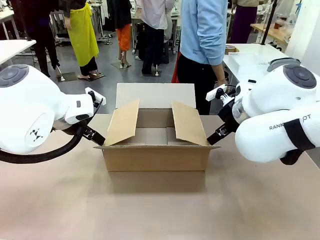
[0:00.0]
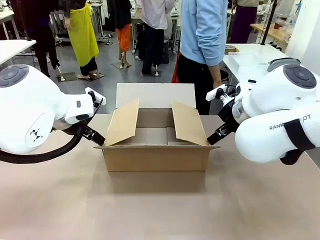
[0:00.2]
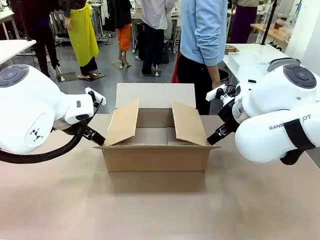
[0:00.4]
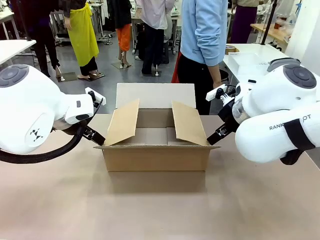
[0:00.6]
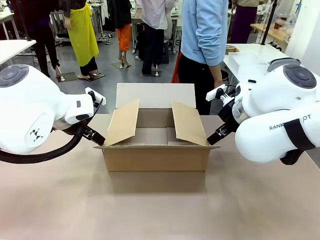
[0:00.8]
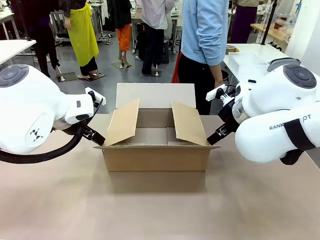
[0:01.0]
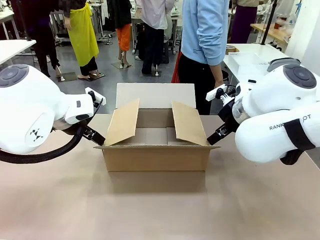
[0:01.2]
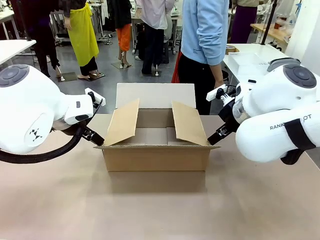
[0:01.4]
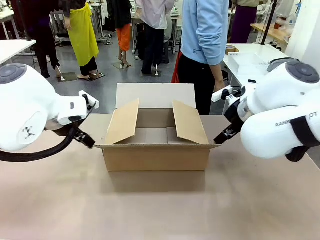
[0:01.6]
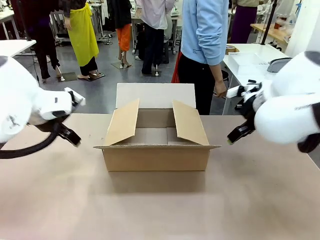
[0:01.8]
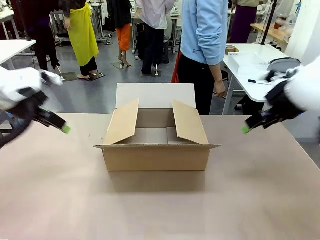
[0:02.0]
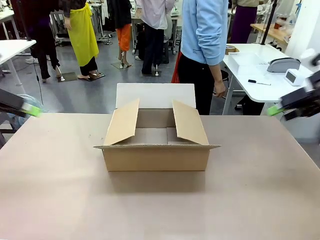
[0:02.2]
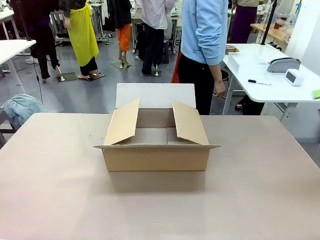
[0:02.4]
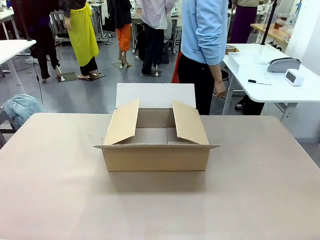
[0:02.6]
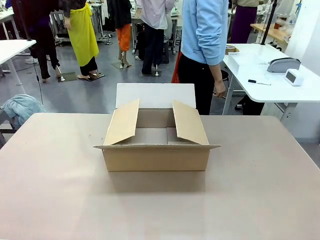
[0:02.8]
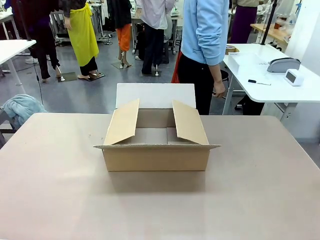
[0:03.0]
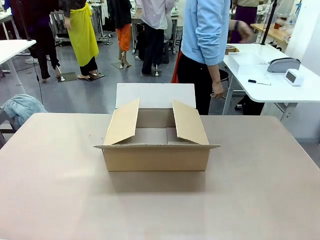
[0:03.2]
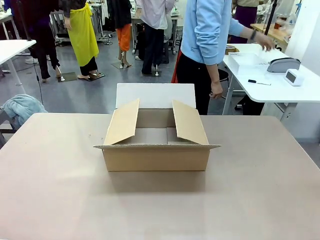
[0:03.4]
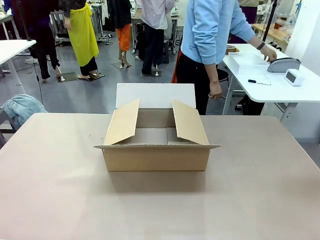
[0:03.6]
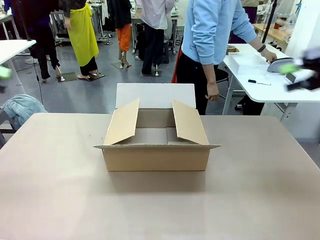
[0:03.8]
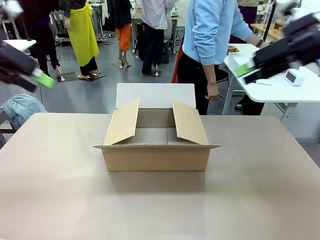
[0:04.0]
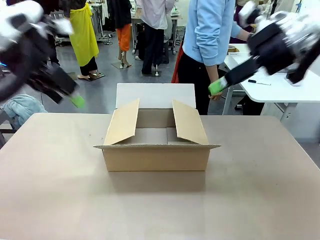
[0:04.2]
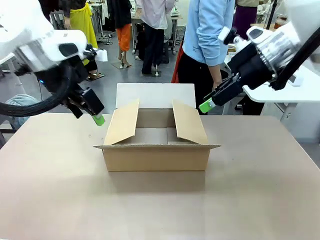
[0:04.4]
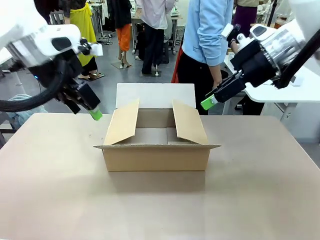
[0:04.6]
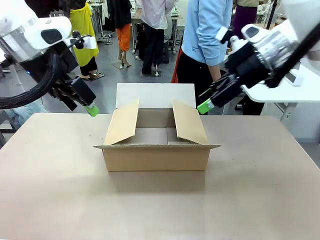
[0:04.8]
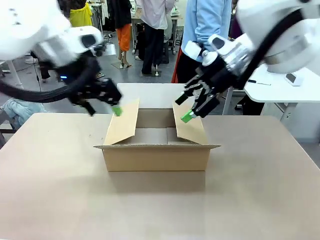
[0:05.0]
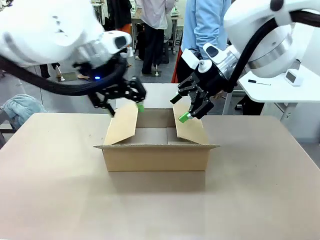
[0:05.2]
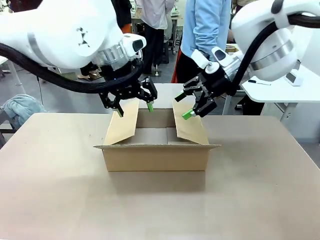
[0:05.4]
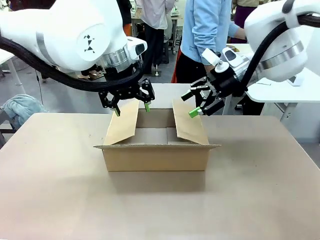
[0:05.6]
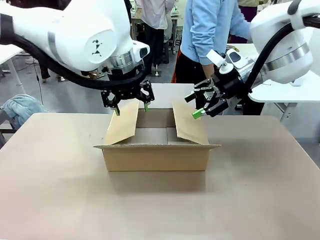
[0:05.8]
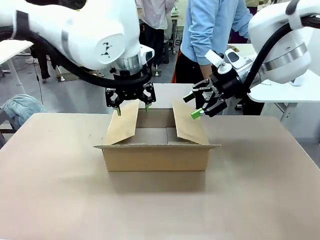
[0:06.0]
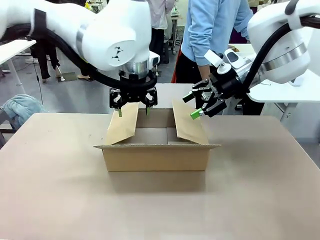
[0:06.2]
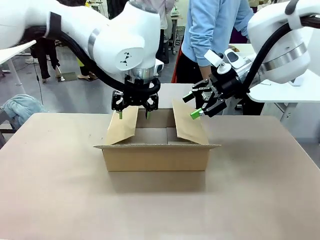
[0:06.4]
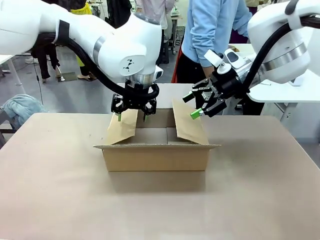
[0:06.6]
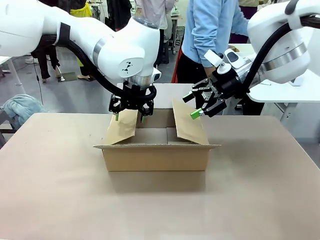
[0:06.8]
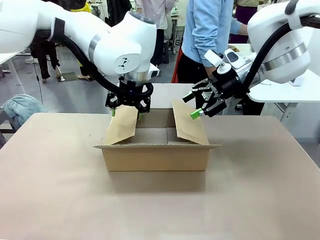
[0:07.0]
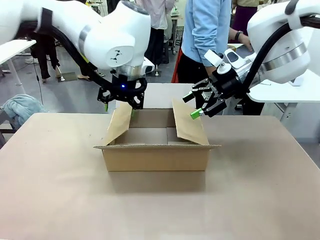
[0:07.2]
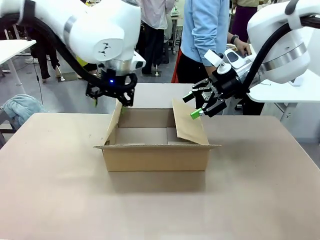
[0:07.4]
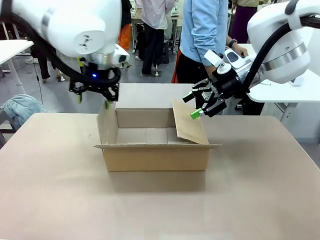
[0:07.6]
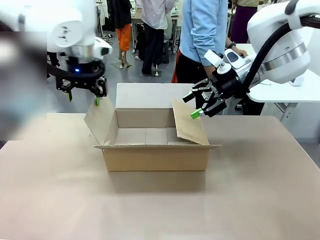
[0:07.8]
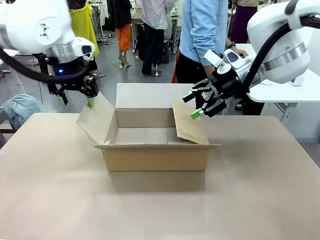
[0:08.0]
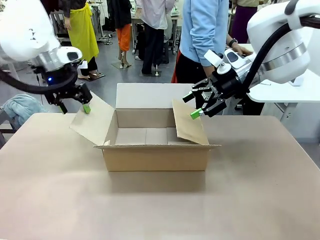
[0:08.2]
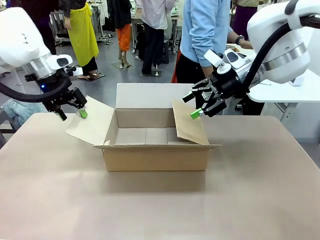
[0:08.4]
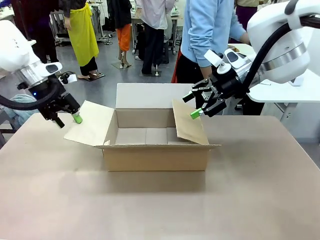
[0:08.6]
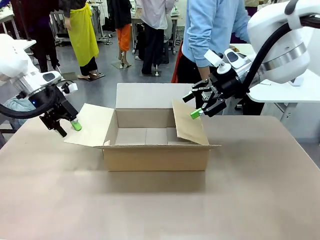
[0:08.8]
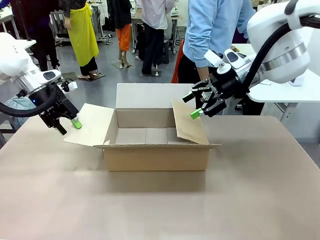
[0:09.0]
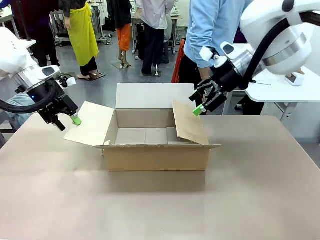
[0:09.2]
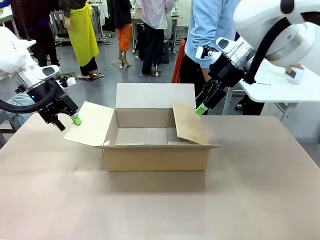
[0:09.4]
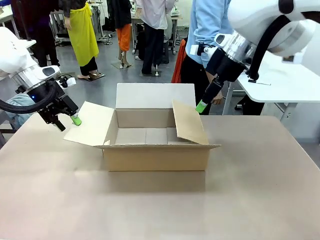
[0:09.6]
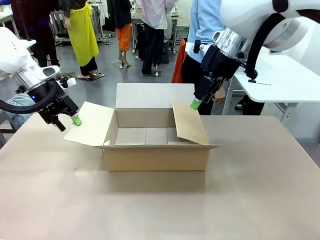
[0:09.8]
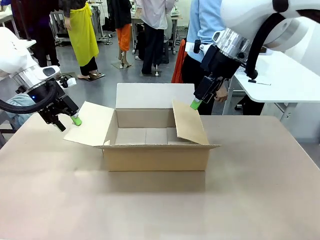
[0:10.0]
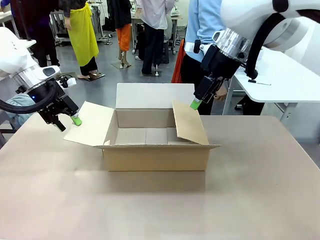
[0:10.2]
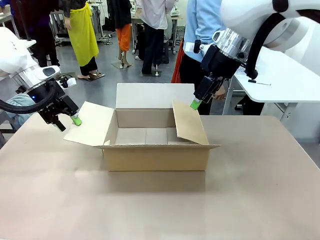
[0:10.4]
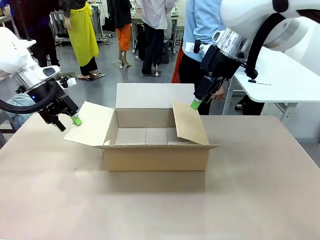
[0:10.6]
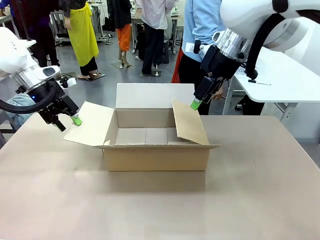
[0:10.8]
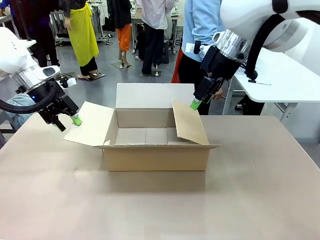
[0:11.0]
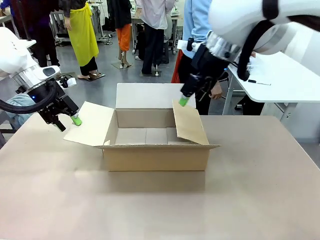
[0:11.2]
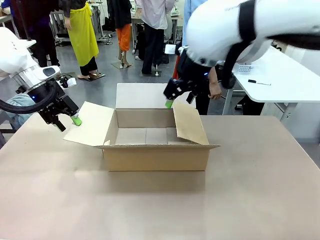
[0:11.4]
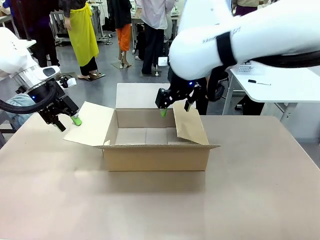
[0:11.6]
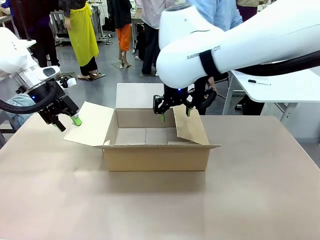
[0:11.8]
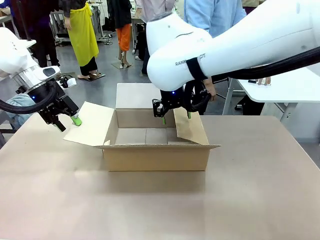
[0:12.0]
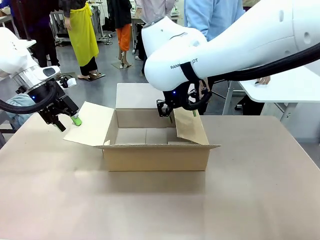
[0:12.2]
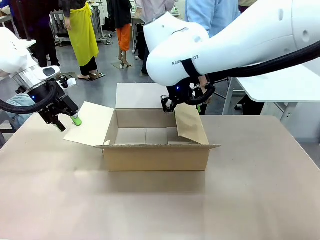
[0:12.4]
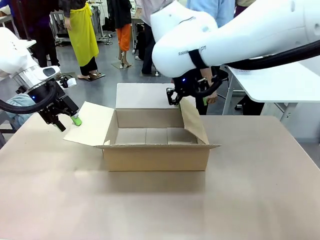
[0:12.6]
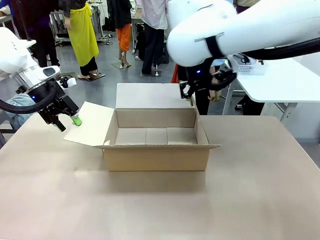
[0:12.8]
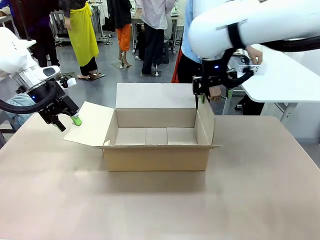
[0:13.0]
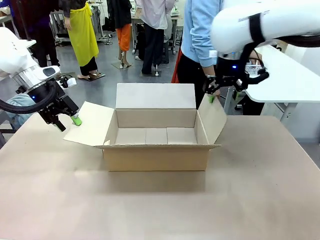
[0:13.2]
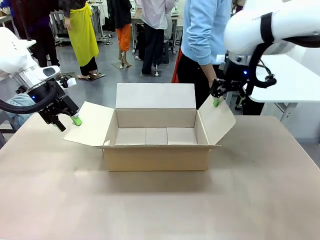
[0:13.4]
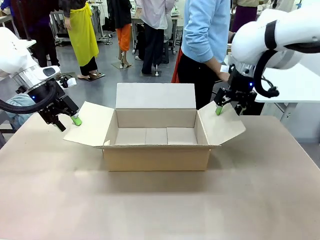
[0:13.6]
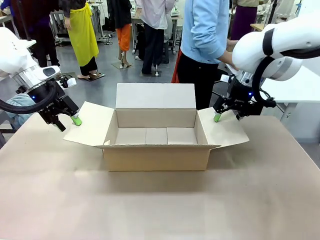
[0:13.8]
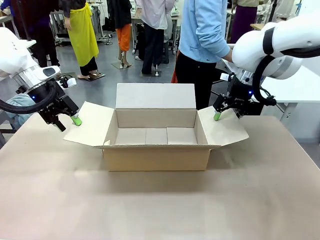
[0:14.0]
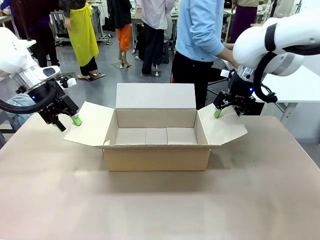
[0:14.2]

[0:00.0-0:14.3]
Task: Pack the gift set into the box.
Robot: Place both hands on the side flaps of the Package Box and spread them outward.
Person: The human places all items except the paper tape into the organizing basket.

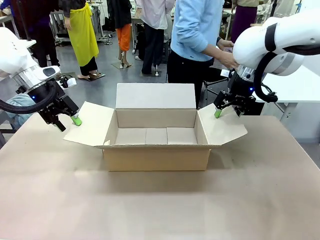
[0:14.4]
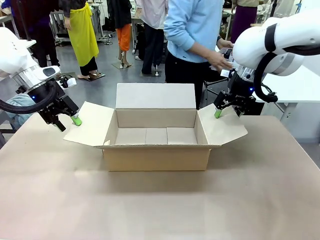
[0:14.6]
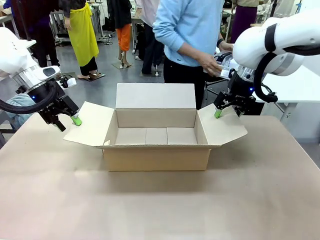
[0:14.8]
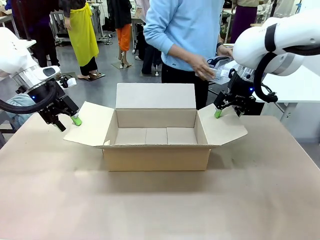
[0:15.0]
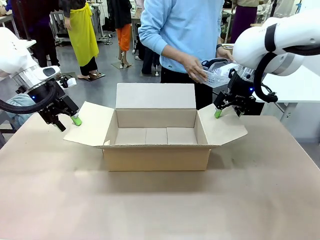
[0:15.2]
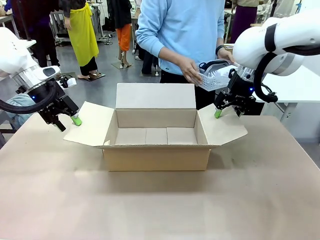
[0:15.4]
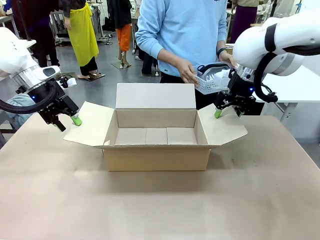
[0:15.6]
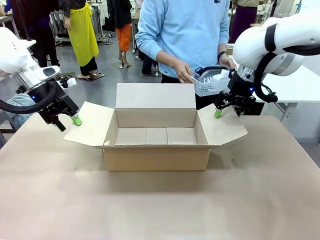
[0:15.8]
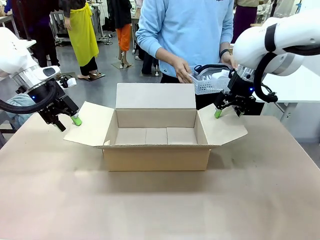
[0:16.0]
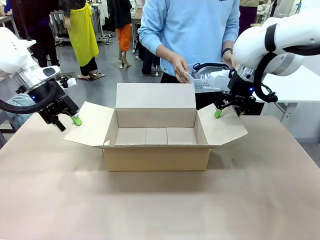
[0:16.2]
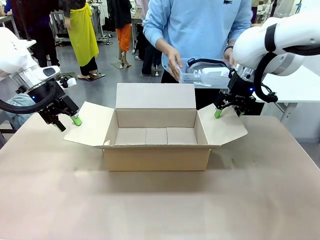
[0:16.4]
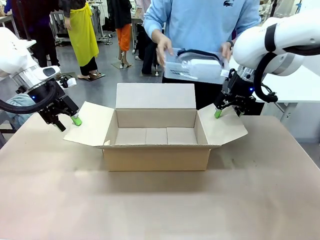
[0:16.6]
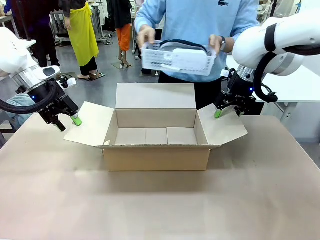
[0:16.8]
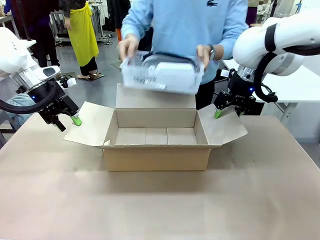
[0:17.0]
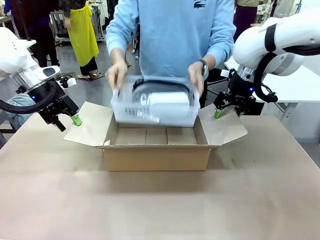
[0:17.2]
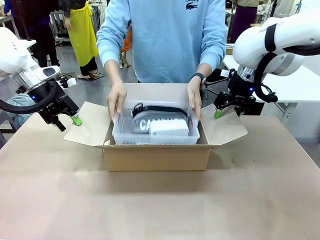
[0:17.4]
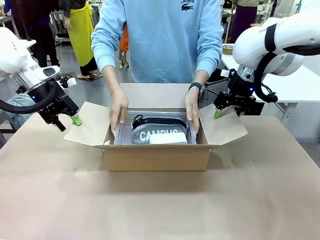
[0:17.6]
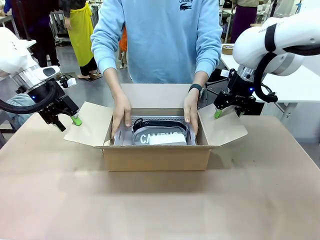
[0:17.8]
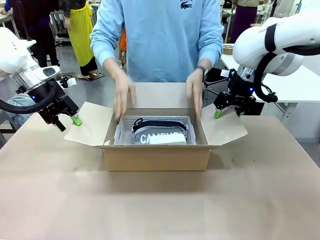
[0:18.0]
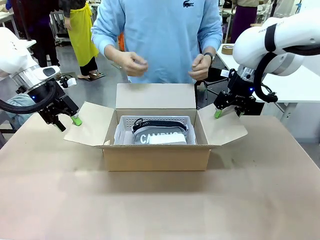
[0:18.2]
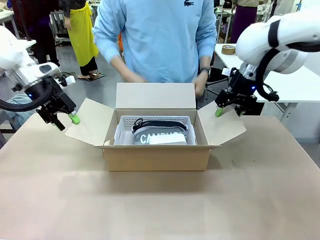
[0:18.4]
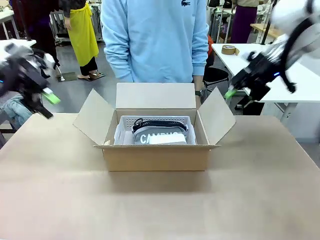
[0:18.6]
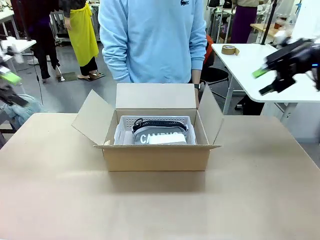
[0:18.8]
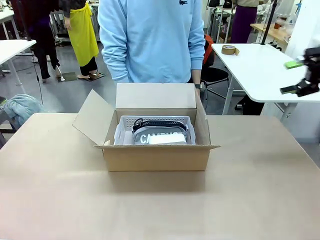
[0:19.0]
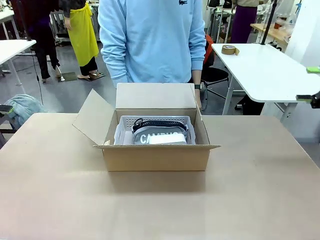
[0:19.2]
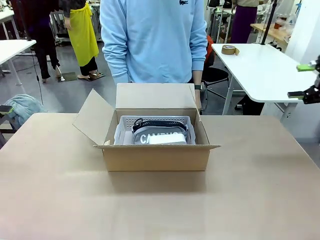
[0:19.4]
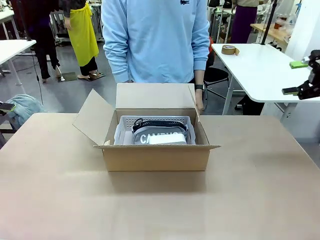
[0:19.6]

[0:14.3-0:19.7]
Robot: Lift both hands away from the flaps of the Package Box.
Person: The human picks up the organizing basket and places the organizing basket into the package box on the robot table.
